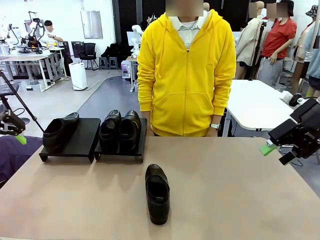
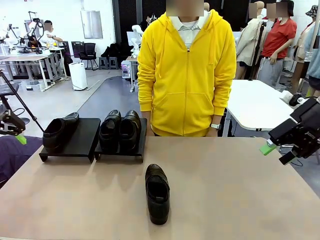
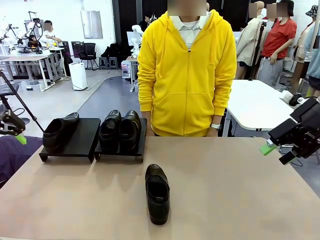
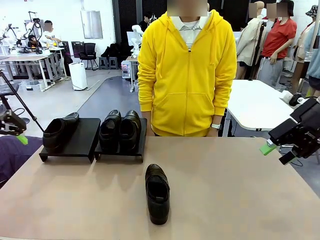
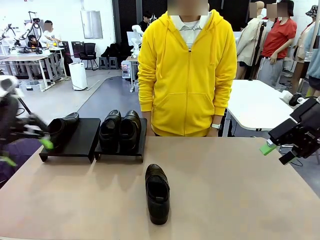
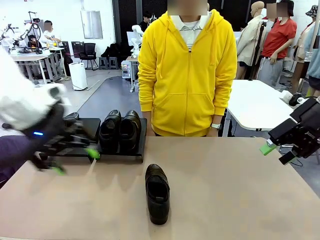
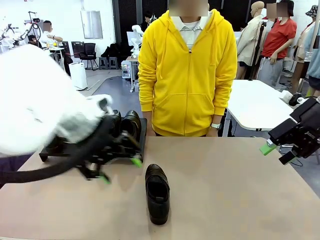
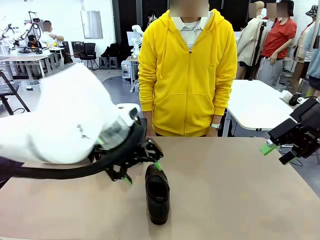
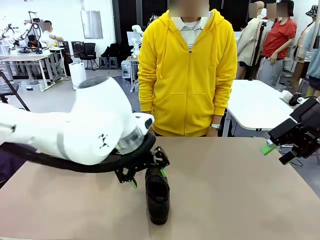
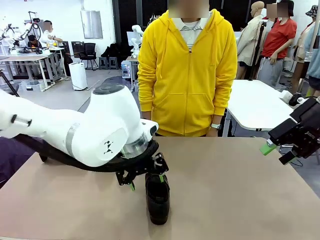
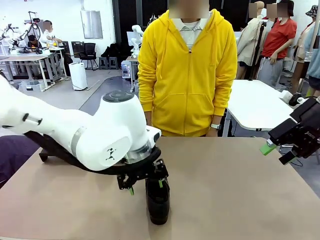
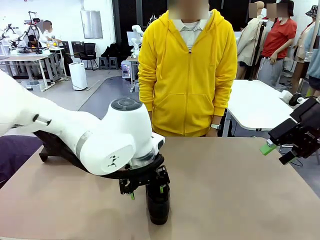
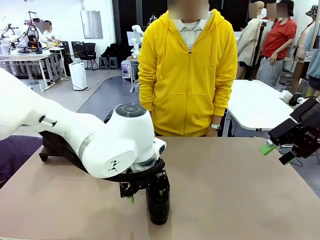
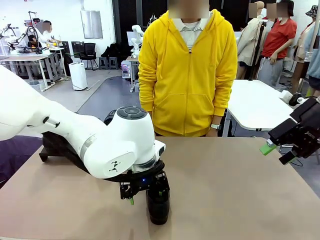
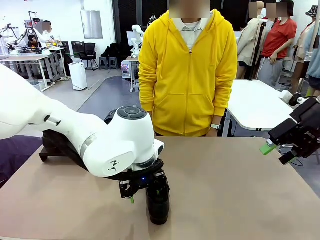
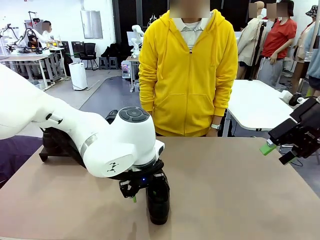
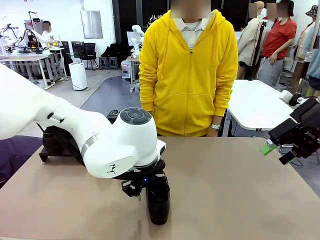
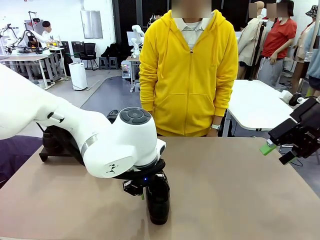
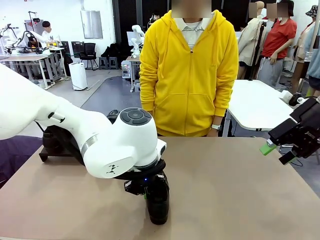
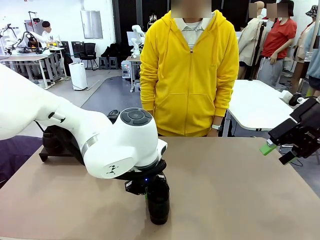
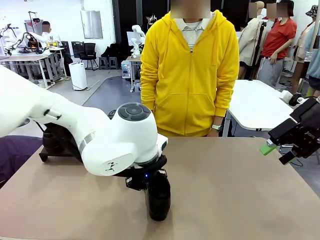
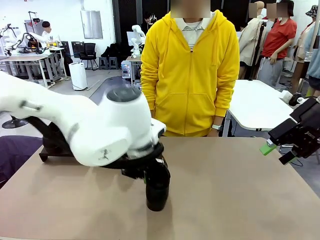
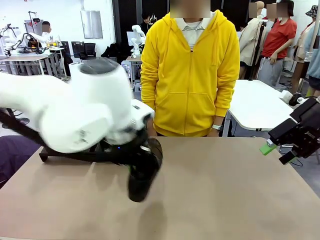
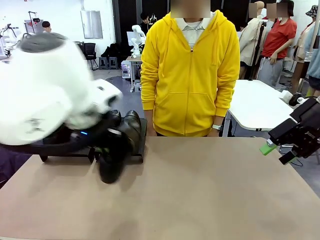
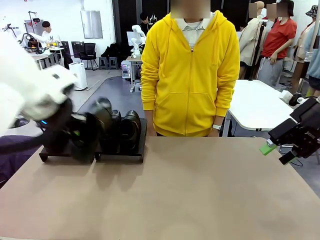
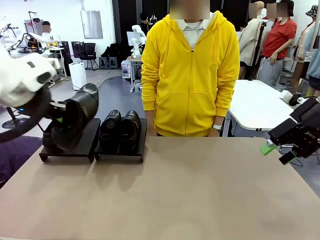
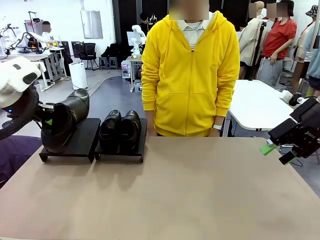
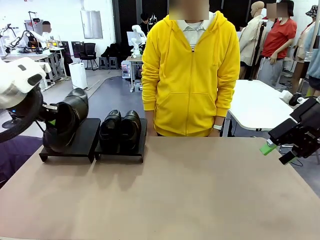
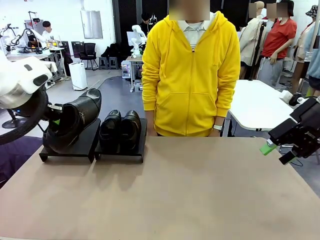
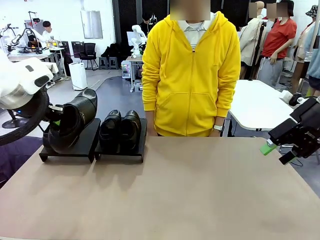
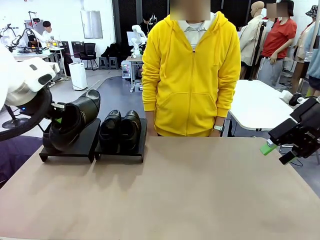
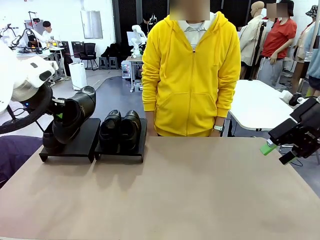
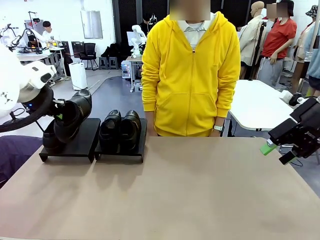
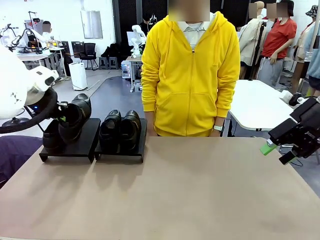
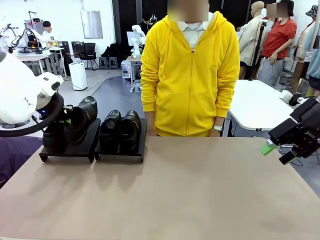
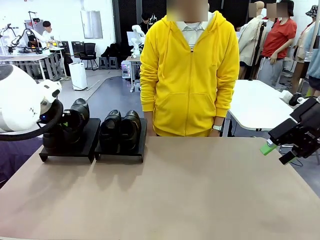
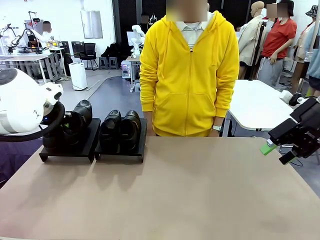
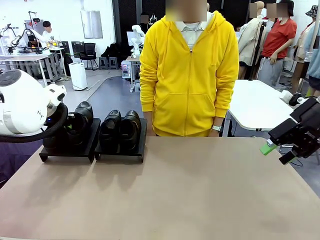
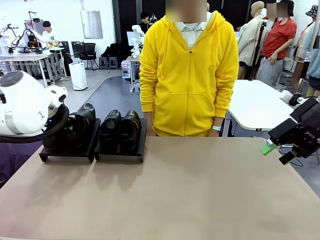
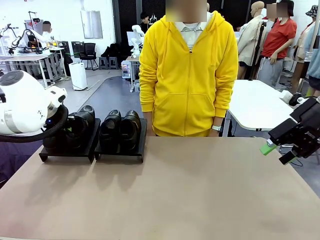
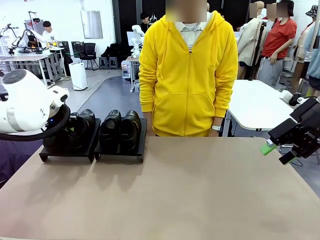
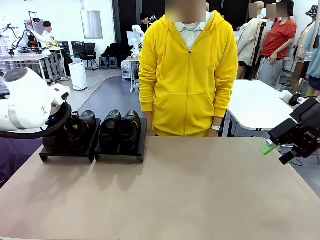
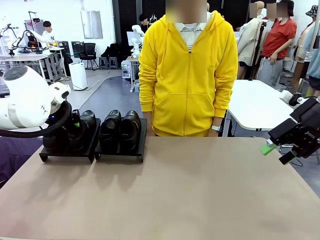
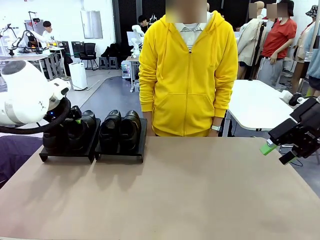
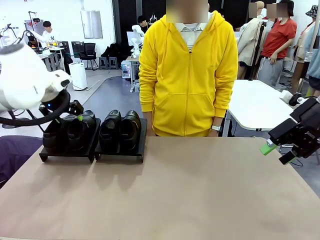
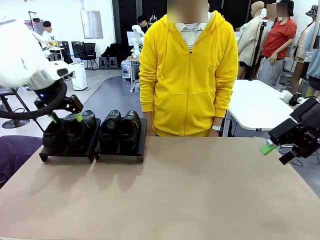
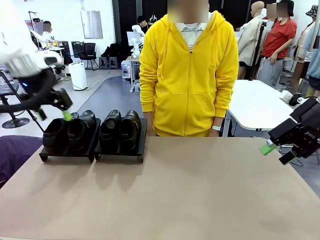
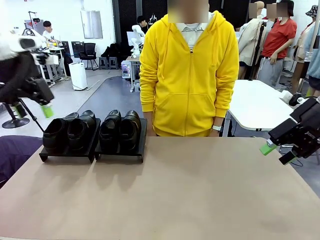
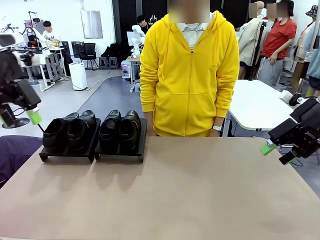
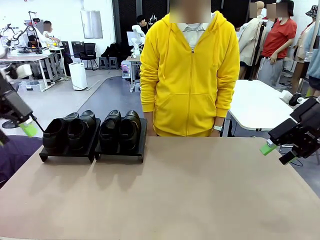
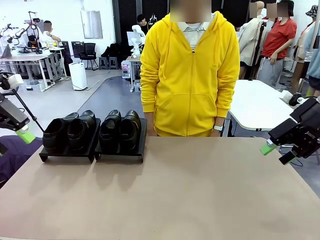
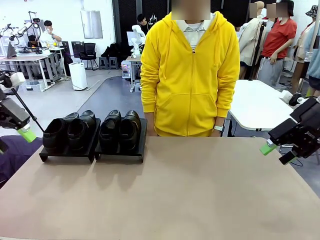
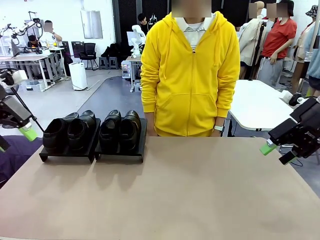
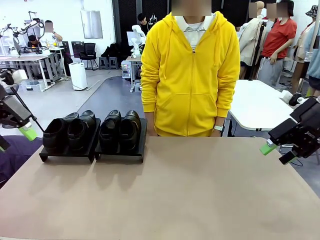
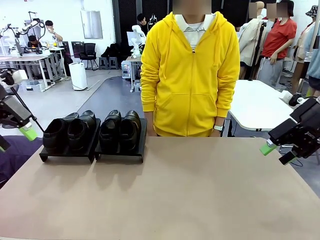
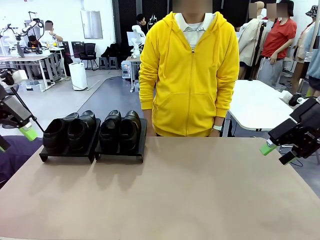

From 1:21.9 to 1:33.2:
Task: Organize the shoes by placing them on the stand.
Robot: Place the Shoe from the middle of the table onto the Shoes Stand.

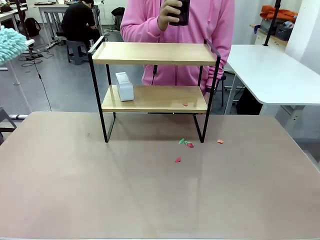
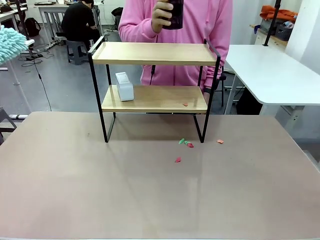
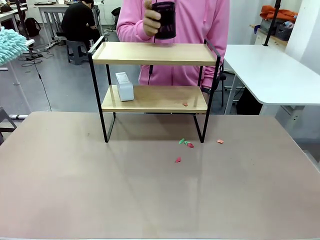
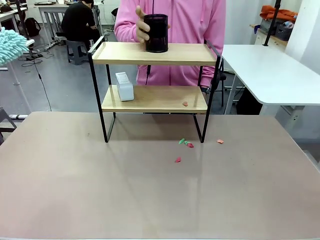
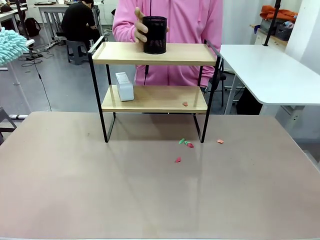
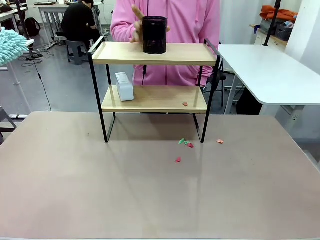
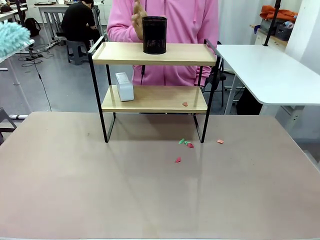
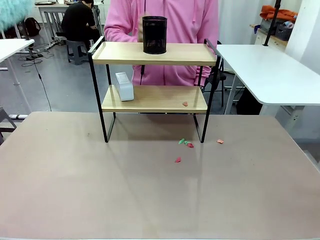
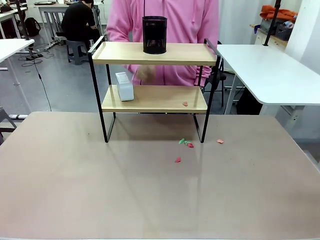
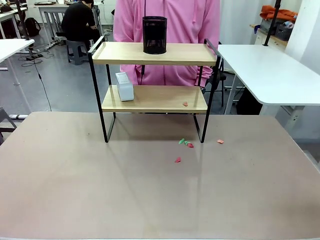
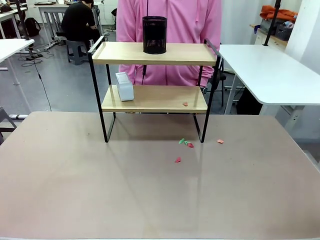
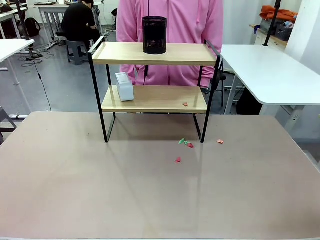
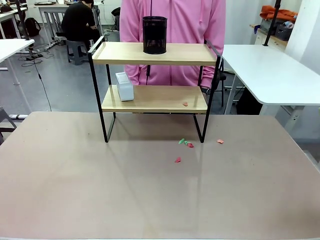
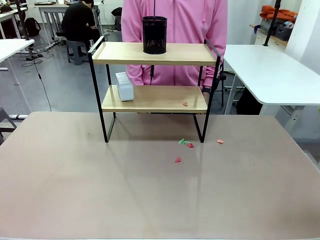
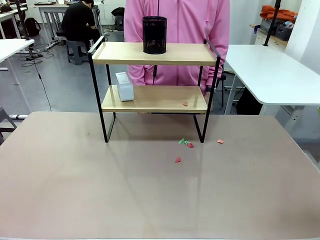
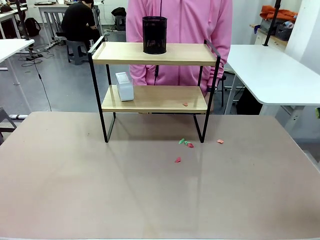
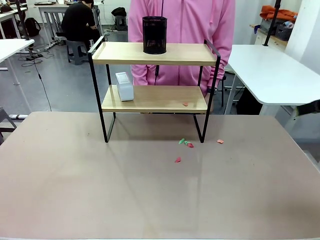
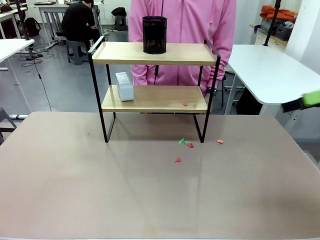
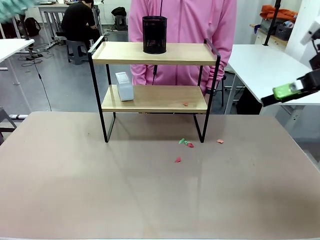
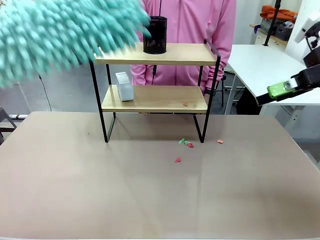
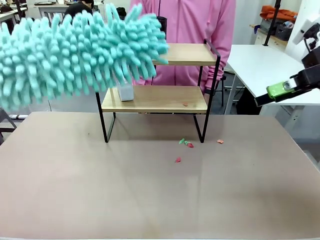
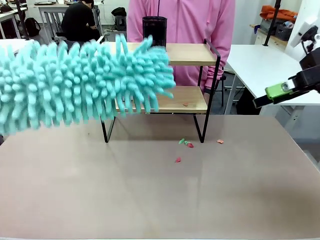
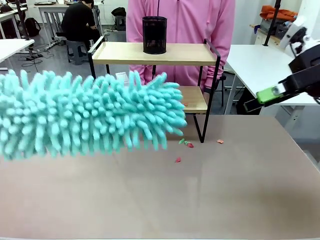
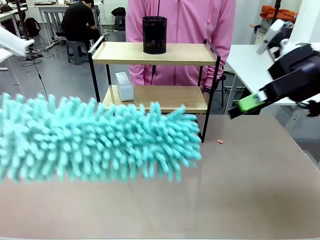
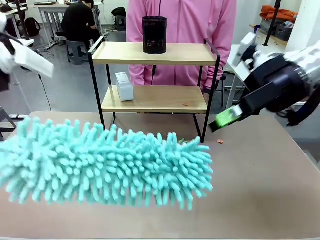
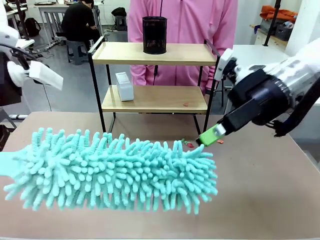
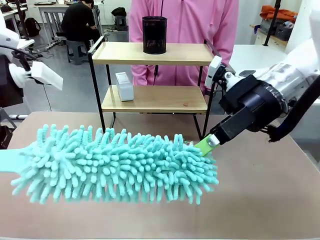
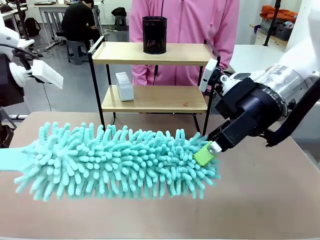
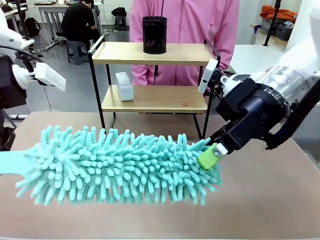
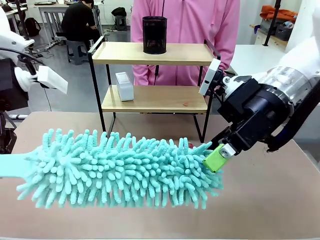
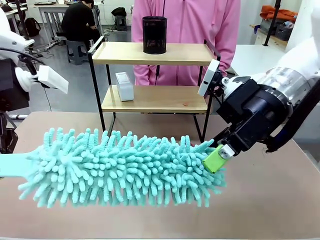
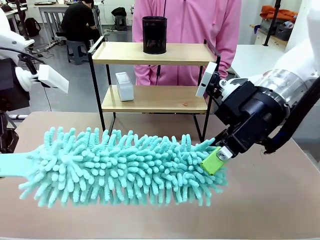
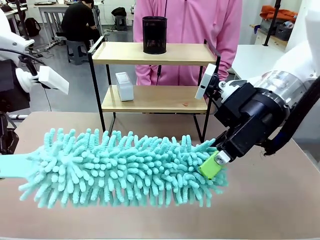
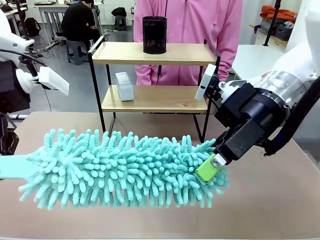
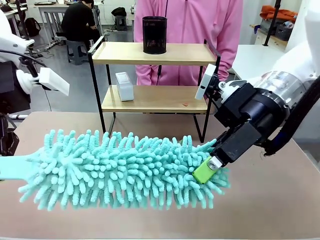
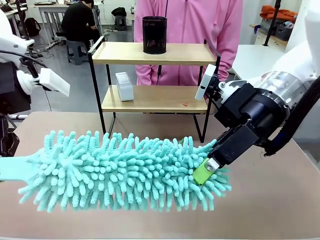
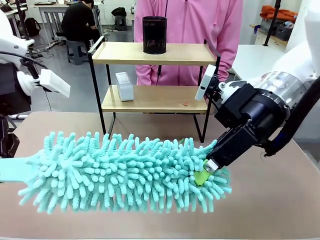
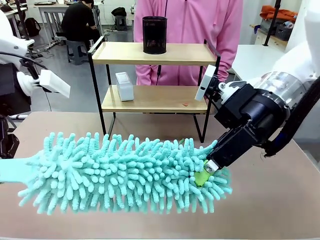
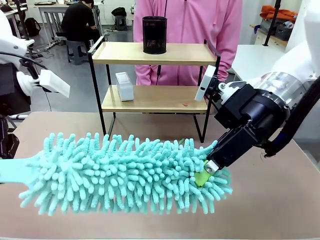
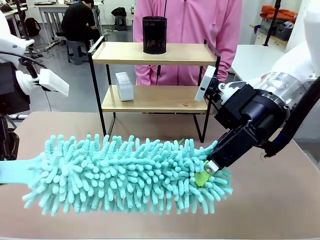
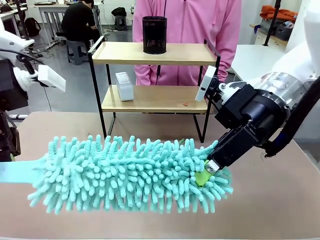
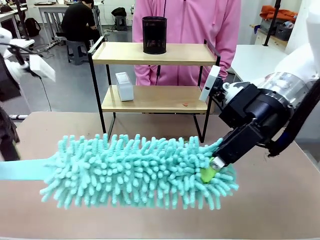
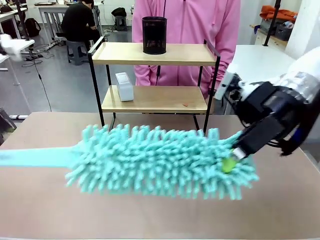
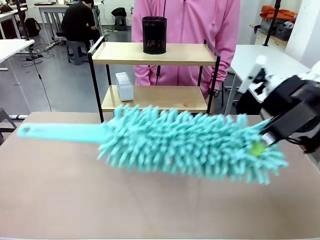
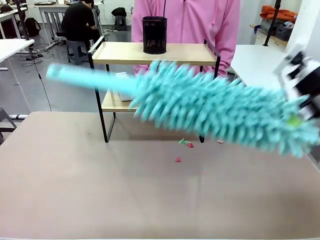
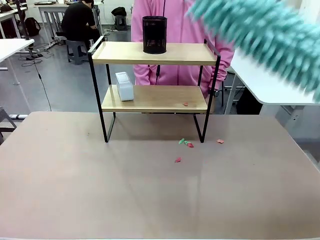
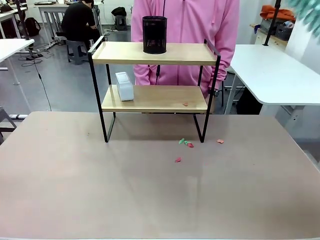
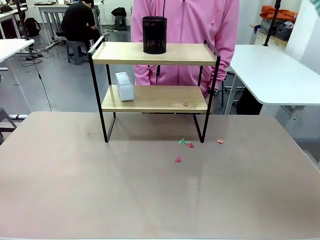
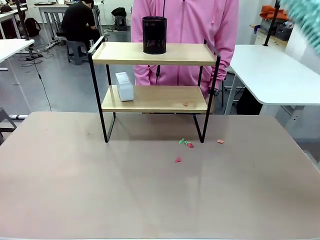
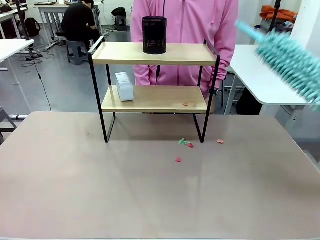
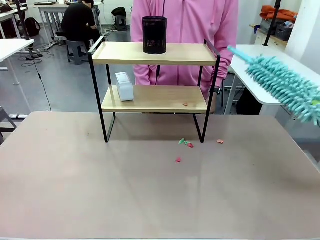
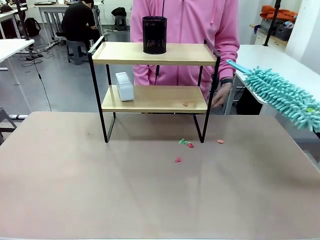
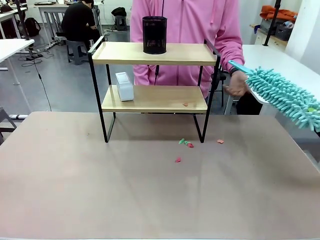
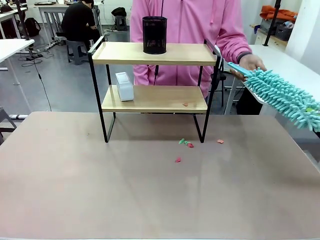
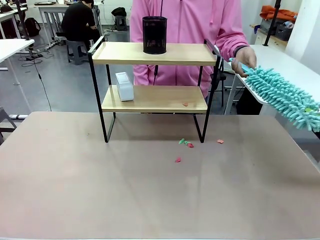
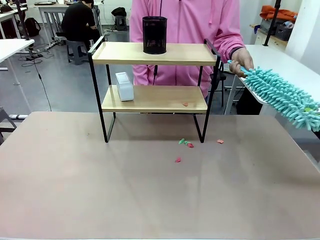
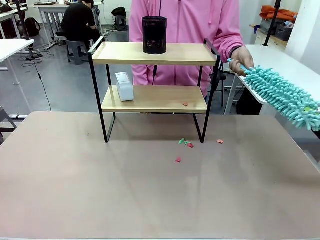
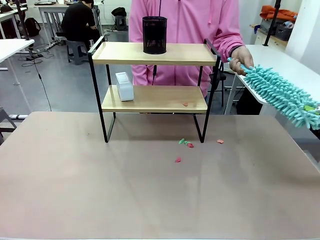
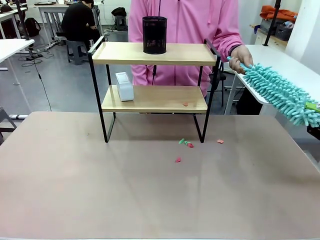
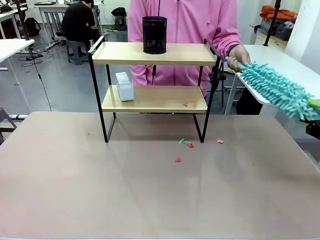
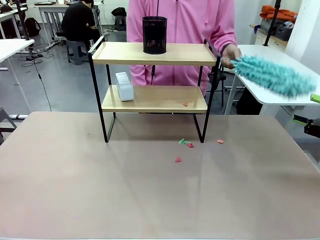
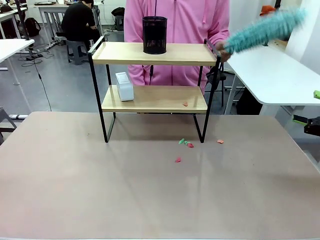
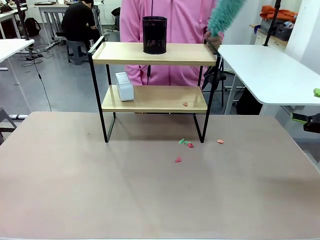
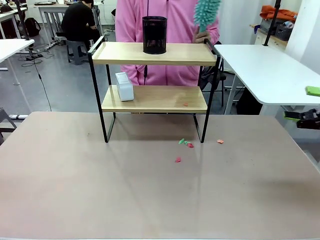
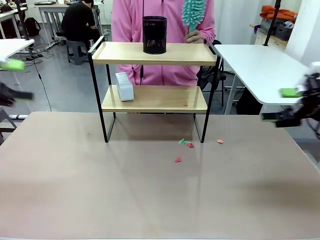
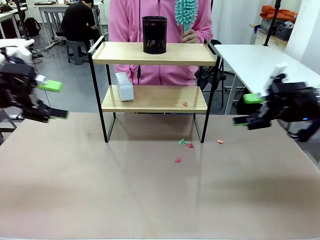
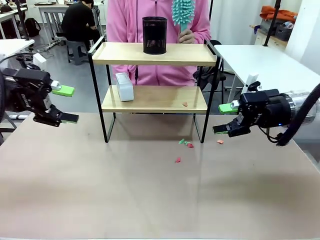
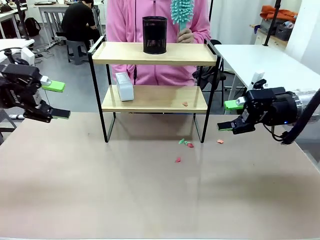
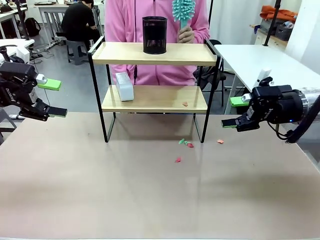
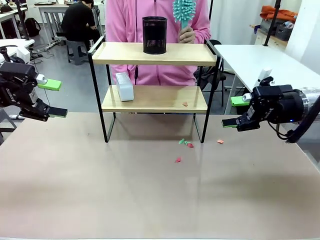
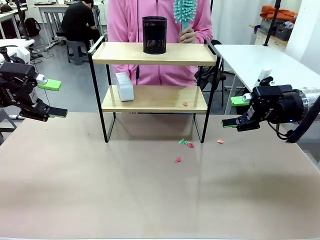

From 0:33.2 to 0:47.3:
Task: Clean the shelf.
Robot: Hand the Duster back to the human.
Person: Receive the Duster from the robot.
